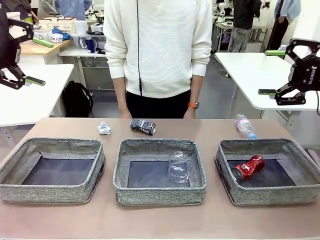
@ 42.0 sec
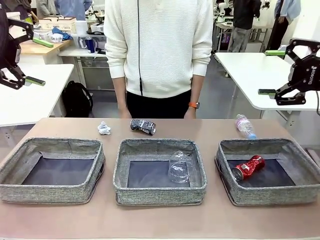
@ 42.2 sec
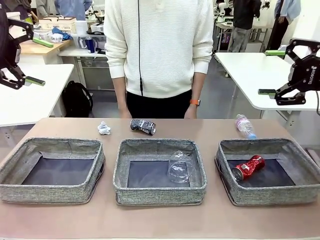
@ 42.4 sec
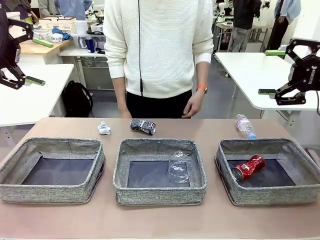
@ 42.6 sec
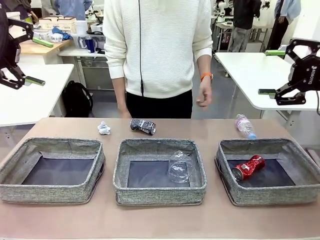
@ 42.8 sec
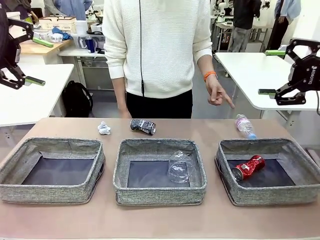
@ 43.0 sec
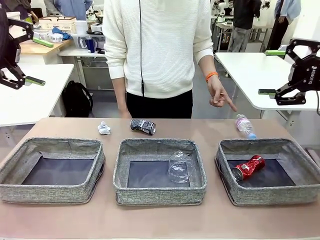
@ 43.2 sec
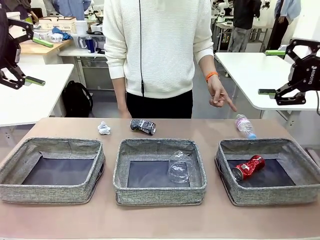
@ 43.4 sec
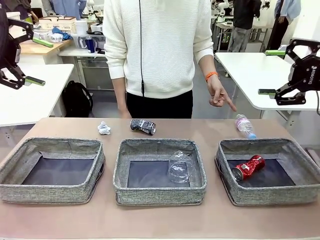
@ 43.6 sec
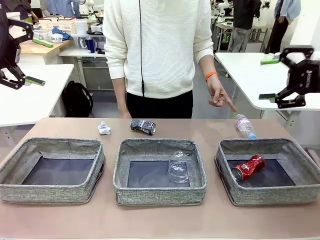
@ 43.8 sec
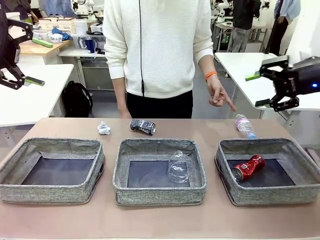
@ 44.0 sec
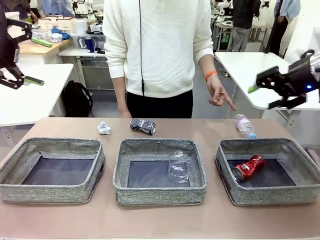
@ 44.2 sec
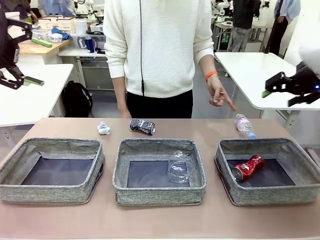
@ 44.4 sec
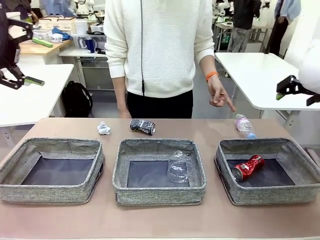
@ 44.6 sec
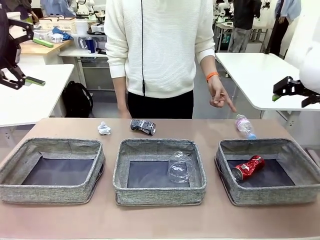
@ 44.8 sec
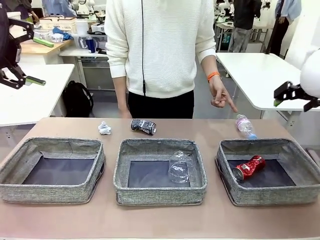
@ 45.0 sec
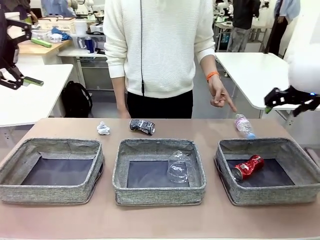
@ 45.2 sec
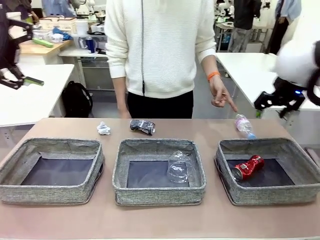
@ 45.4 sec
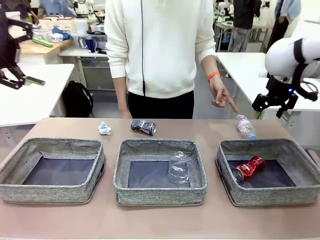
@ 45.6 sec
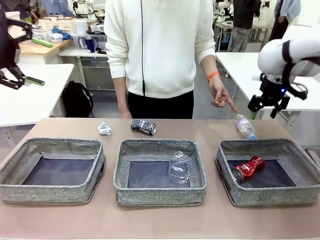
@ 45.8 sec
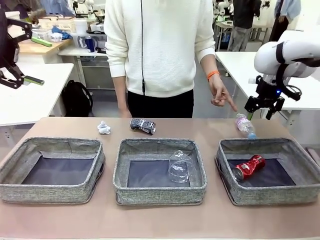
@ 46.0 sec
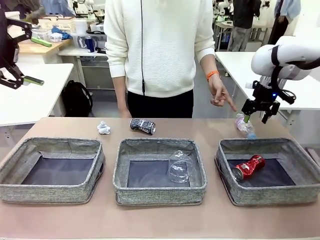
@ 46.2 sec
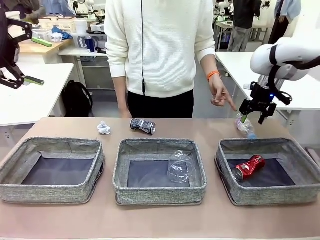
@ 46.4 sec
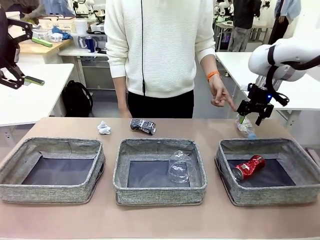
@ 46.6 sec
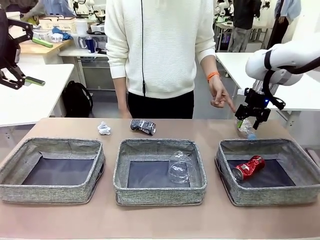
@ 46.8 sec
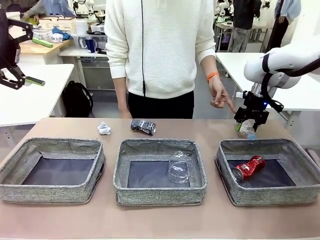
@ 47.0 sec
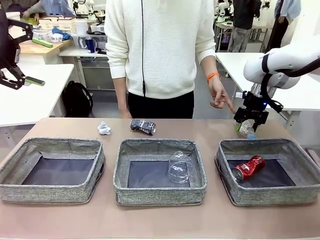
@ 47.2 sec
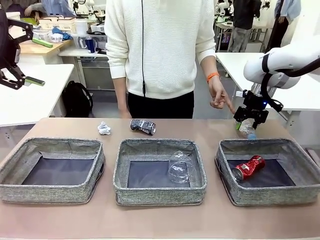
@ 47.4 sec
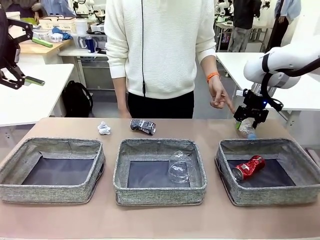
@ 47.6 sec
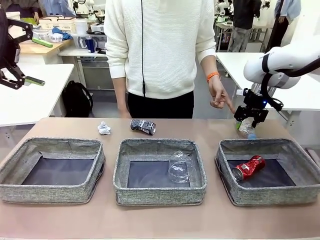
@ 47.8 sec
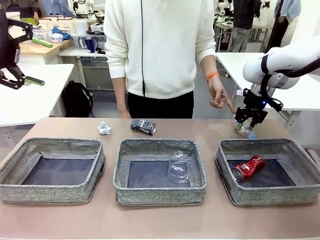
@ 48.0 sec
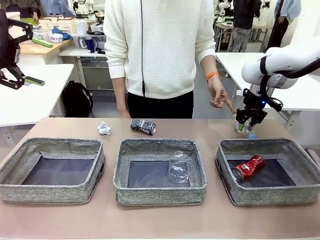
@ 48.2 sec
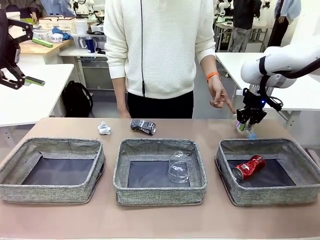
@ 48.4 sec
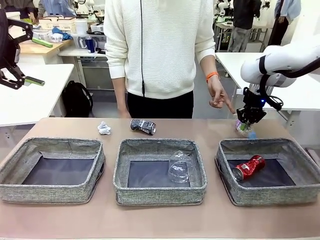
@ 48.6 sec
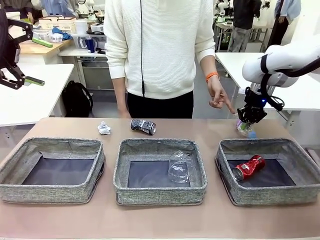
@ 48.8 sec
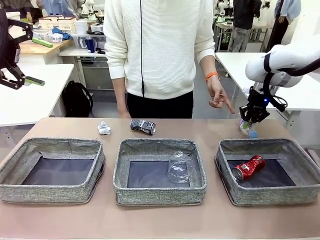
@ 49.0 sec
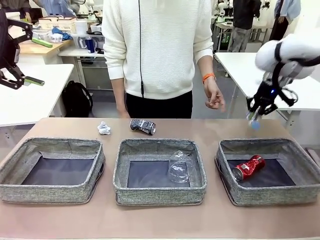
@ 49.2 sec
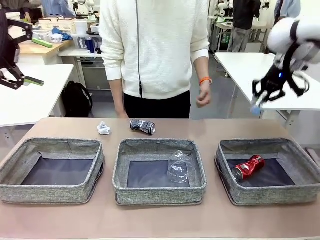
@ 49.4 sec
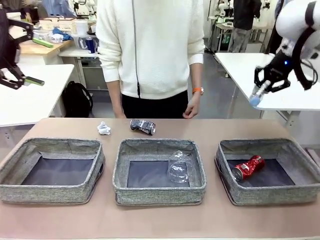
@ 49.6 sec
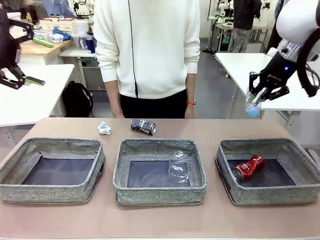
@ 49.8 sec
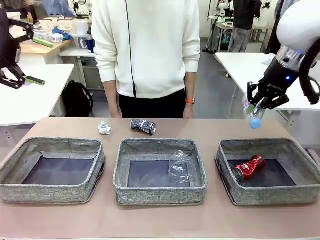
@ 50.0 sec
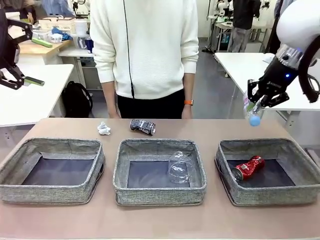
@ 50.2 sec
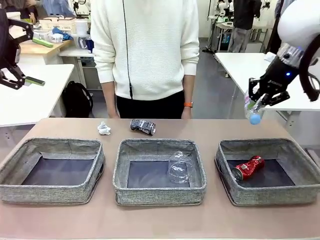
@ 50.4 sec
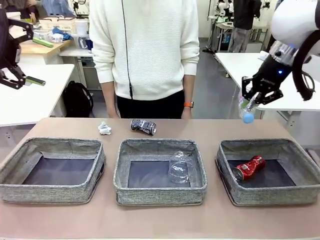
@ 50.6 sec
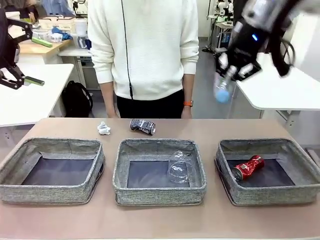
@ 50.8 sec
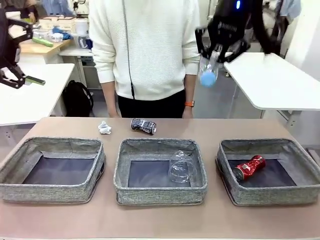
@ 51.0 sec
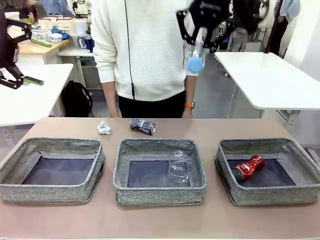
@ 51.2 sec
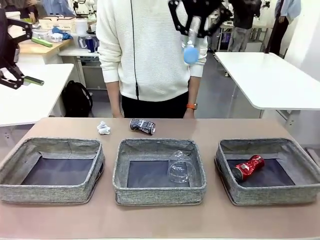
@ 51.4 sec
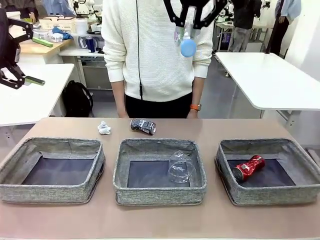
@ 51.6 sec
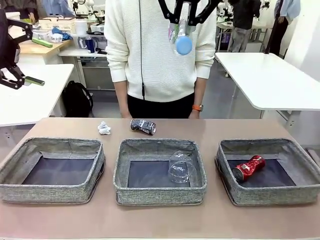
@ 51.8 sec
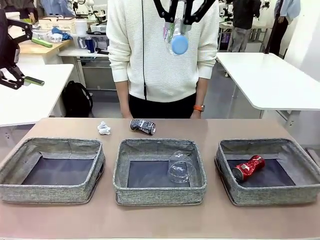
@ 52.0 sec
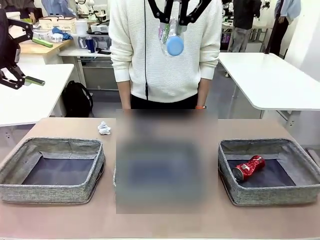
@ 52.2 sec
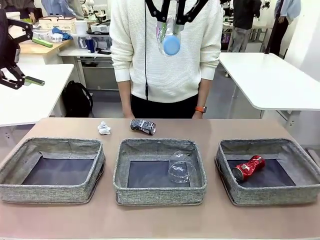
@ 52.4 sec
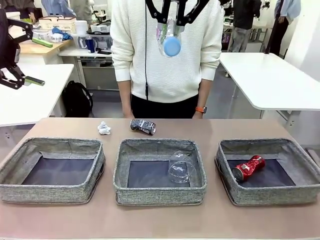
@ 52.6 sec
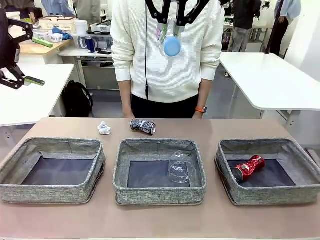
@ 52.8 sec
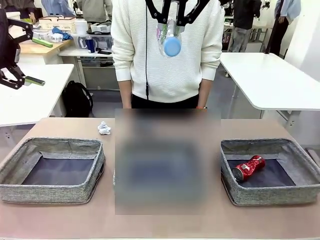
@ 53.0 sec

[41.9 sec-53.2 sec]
Task: Sort the waste into the appropriate baskets.
Robot: Pick up the waste item pointed out by the person.
Person: Points to one piece of trash on the table.

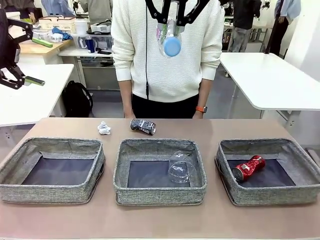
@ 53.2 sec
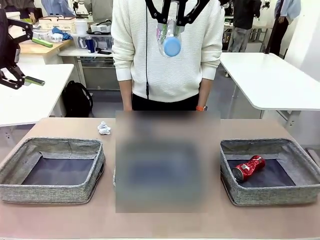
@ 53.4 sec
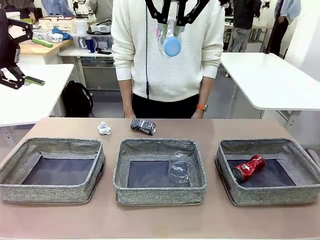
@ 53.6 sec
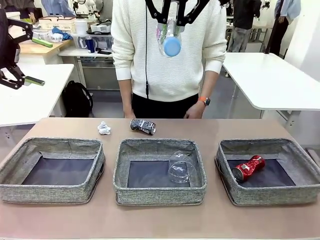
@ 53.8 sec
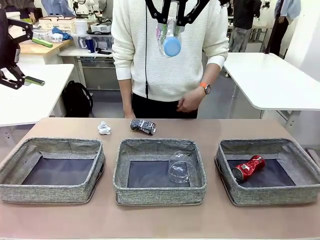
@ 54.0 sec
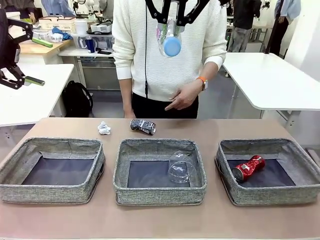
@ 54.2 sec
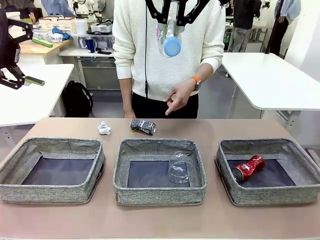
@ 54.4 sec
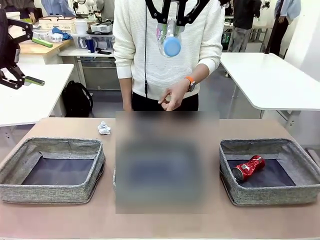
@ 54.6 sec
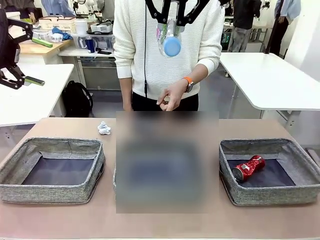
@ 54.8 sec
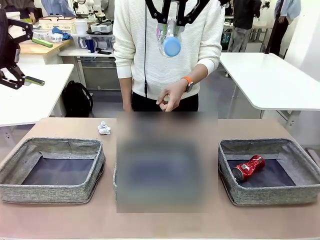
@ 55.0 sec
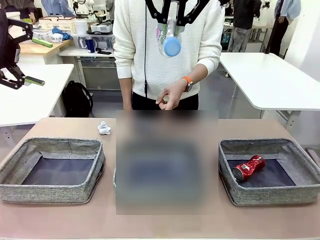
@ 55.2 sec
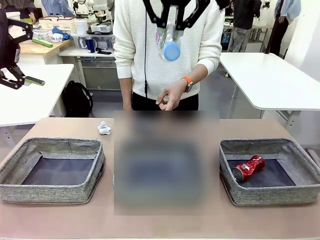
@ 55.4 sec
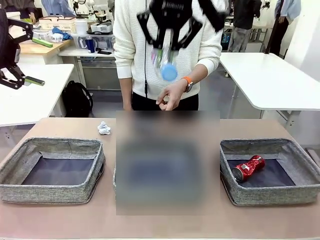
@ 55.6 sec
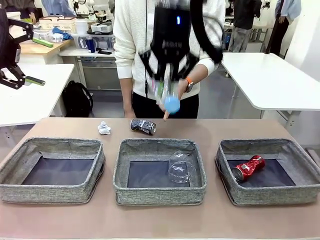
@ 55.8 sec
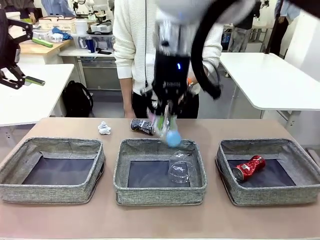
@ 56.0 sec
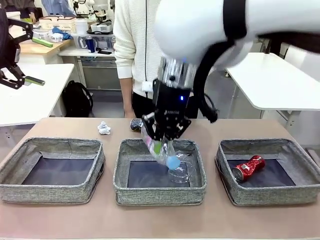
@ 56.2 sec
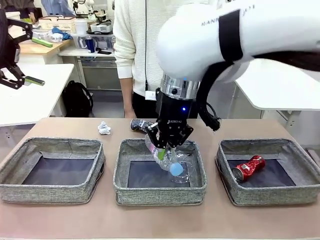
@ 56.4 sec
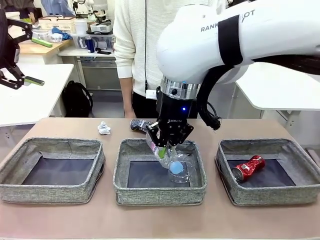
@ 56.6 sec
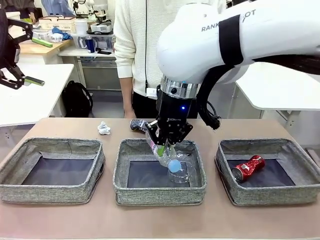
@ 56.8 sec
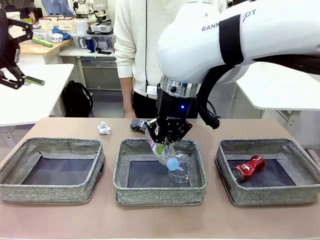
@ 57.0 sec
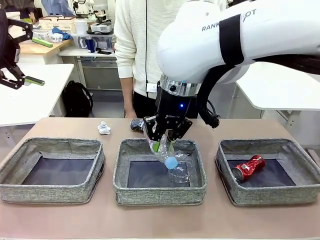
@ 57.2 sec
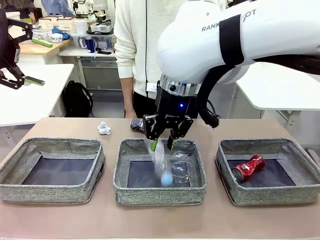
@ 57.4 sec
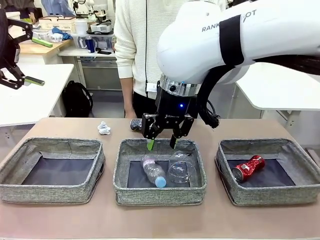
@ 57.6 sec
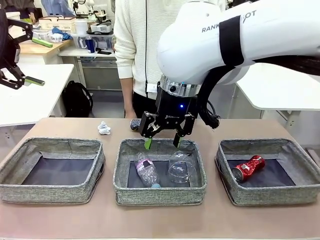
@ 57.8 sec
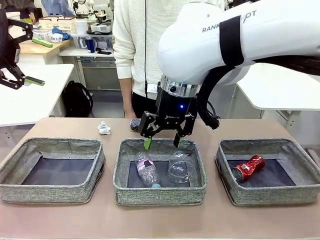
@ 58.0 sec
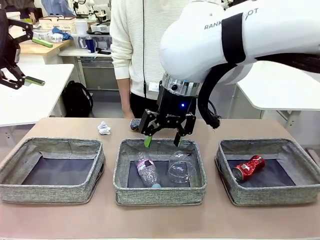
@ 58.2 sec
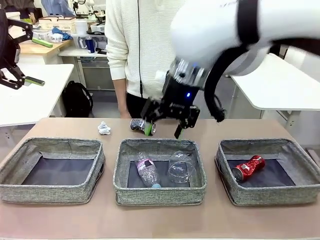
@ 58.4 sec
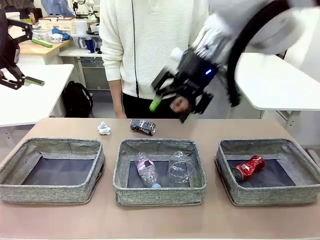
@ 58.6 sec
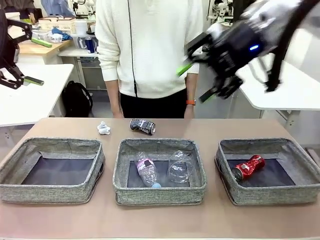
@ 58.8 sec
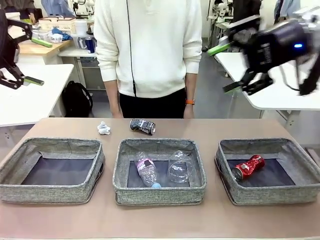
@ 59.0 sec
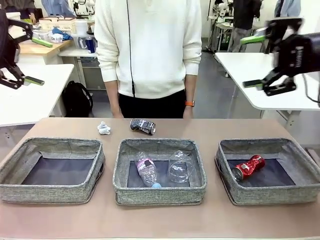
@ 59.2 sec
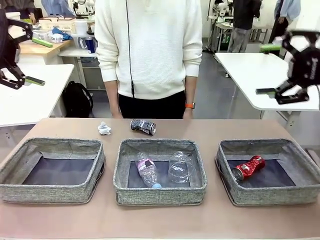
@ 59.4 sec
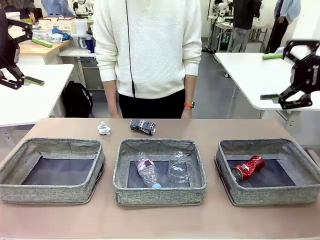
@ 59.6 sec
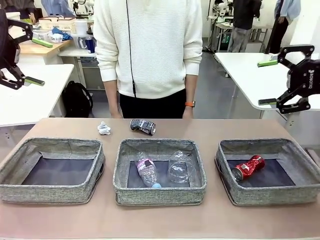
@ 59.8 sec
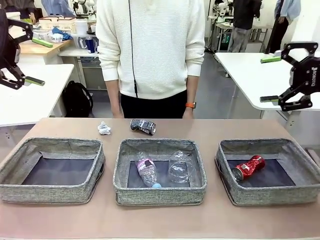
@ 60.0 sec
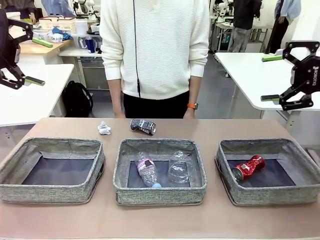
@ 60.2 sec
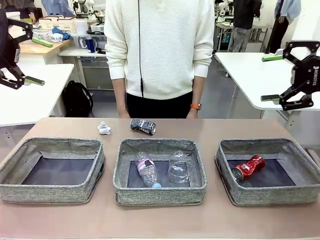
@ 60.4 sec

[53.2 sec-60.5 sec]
Robot: Place the picked waste into the Fabric basket indicated by the person.
Person: Instructs the robot to place the picked-up trash into the appropriate organizing basket.
